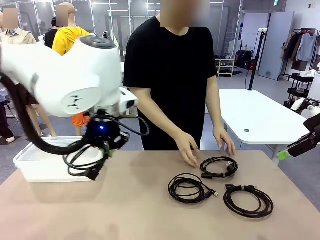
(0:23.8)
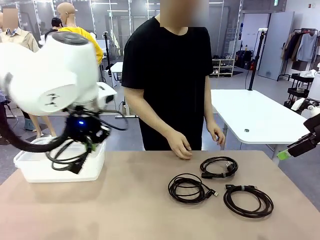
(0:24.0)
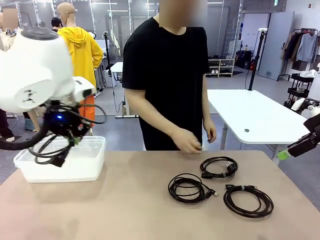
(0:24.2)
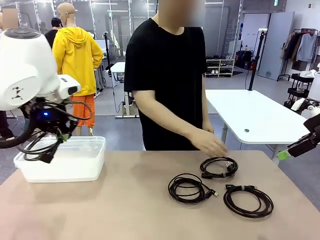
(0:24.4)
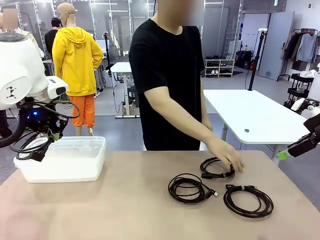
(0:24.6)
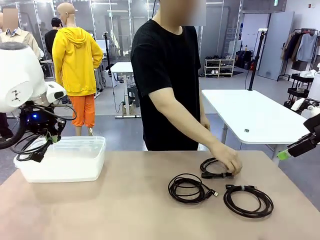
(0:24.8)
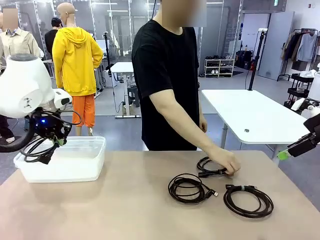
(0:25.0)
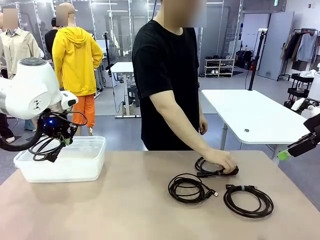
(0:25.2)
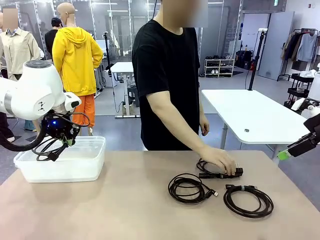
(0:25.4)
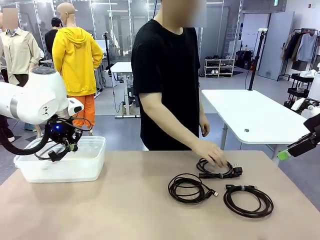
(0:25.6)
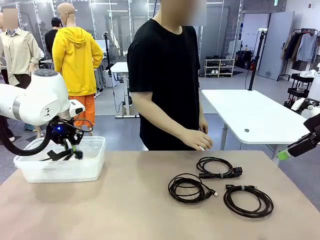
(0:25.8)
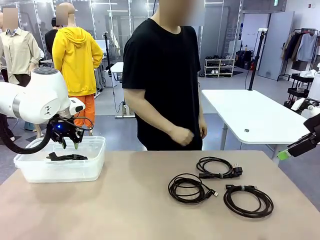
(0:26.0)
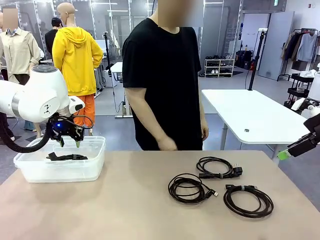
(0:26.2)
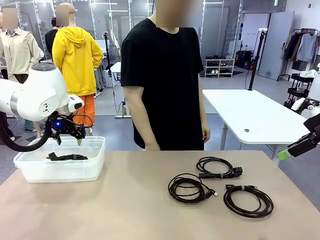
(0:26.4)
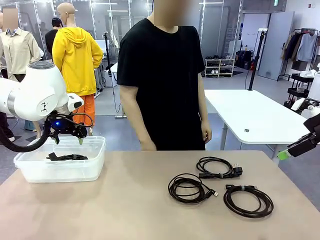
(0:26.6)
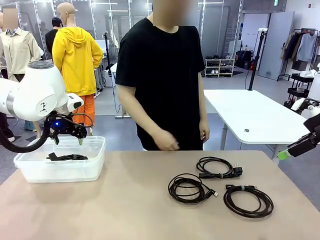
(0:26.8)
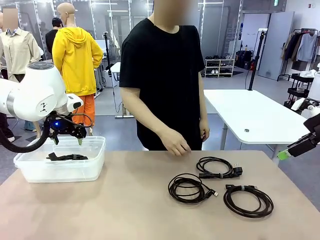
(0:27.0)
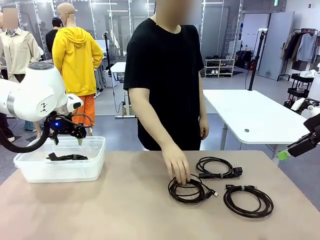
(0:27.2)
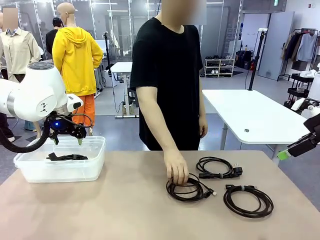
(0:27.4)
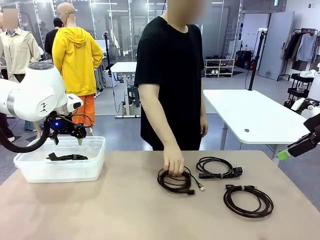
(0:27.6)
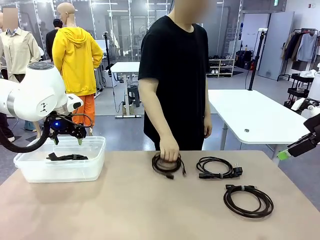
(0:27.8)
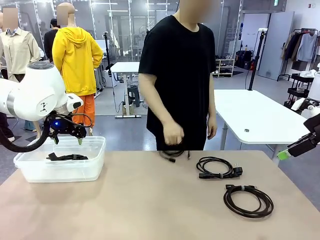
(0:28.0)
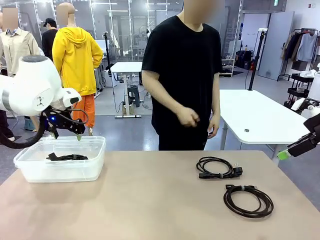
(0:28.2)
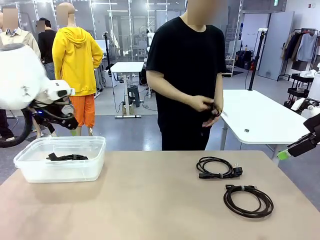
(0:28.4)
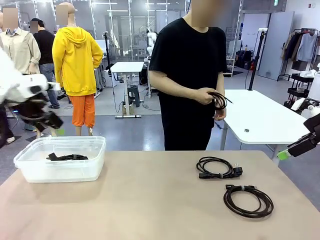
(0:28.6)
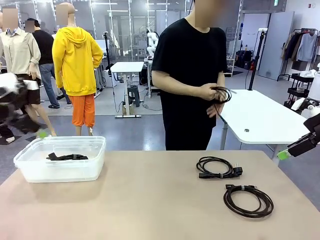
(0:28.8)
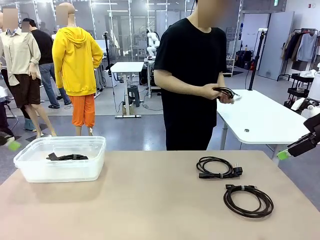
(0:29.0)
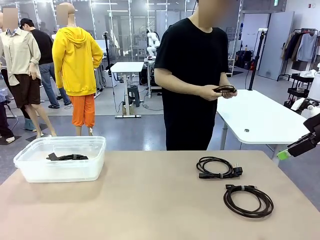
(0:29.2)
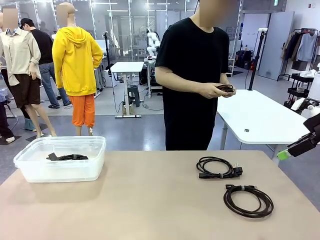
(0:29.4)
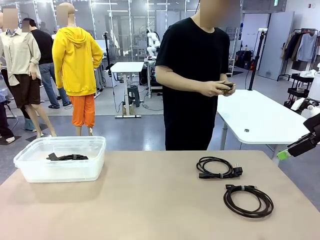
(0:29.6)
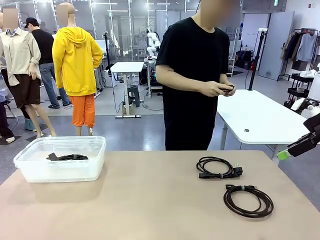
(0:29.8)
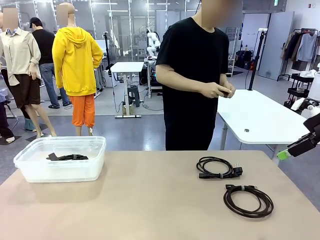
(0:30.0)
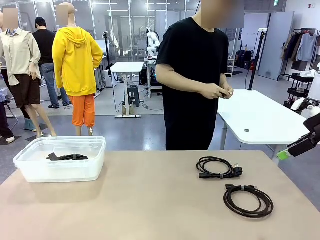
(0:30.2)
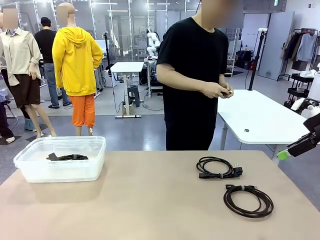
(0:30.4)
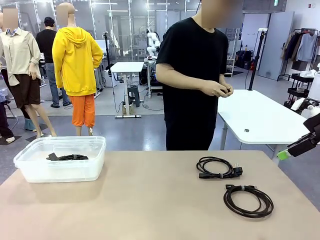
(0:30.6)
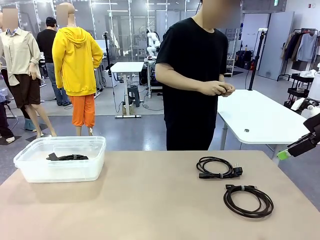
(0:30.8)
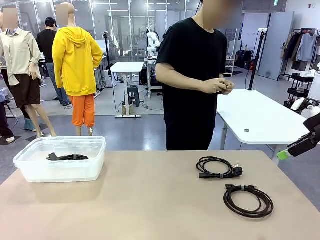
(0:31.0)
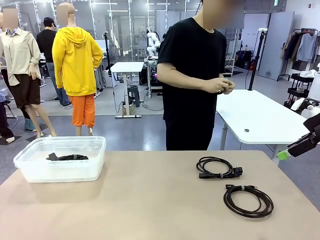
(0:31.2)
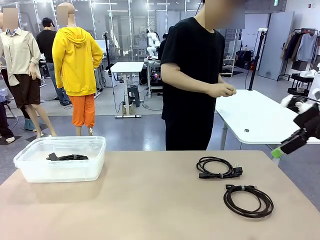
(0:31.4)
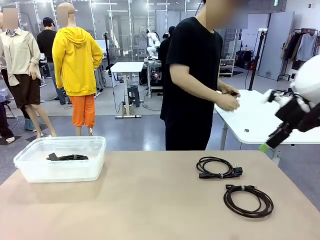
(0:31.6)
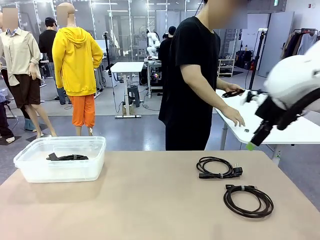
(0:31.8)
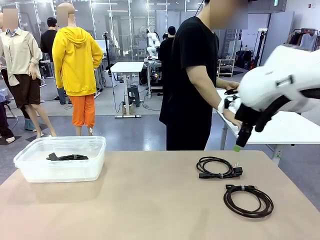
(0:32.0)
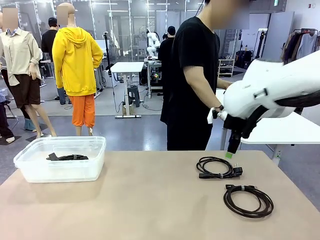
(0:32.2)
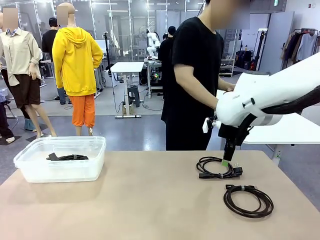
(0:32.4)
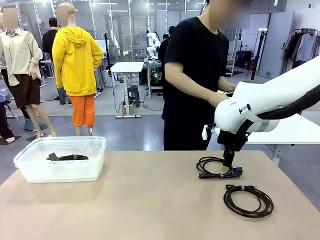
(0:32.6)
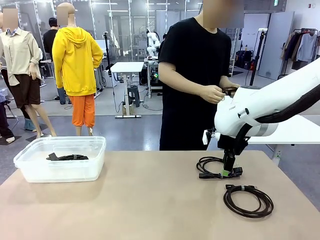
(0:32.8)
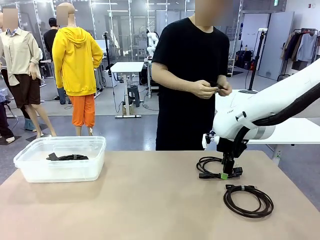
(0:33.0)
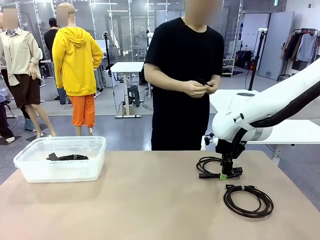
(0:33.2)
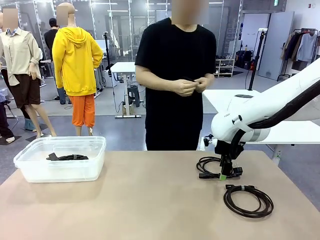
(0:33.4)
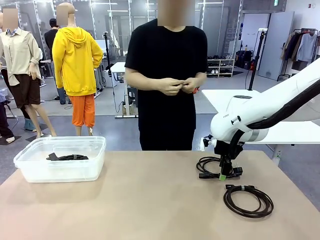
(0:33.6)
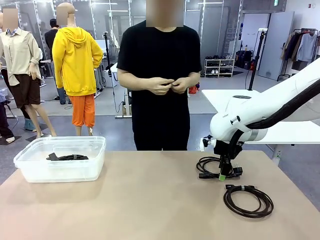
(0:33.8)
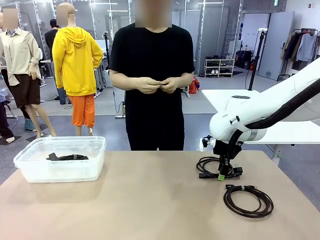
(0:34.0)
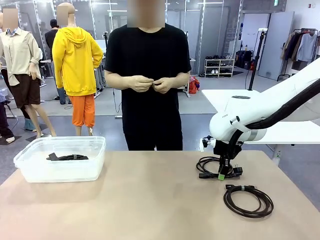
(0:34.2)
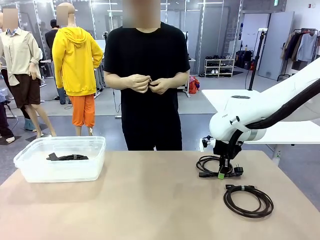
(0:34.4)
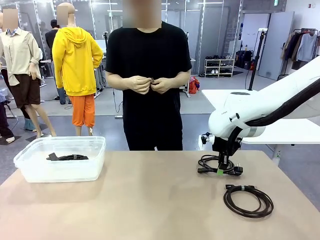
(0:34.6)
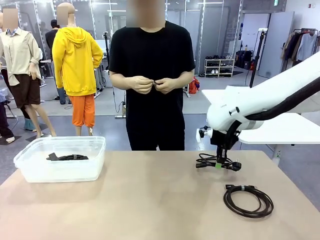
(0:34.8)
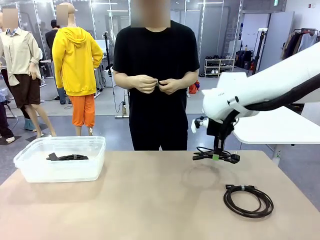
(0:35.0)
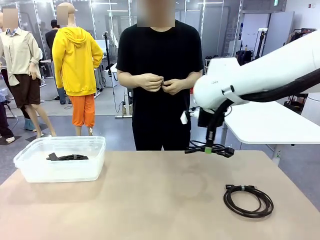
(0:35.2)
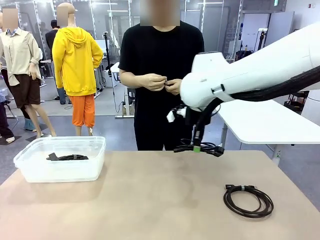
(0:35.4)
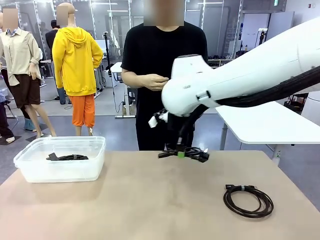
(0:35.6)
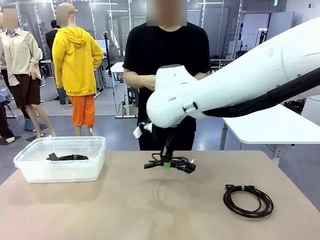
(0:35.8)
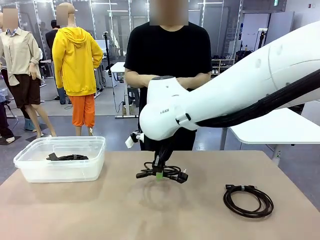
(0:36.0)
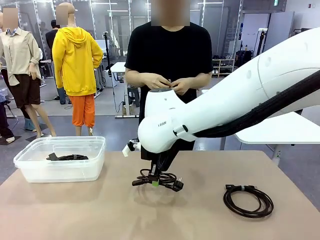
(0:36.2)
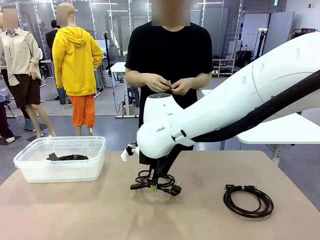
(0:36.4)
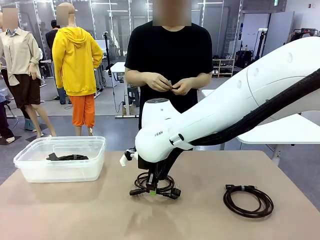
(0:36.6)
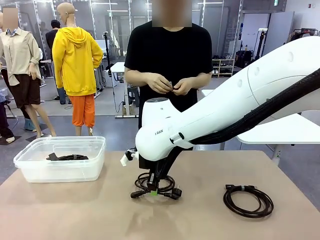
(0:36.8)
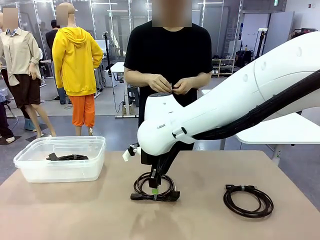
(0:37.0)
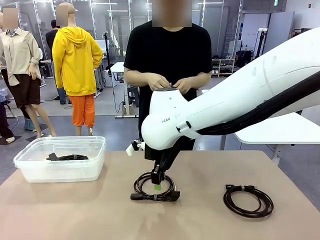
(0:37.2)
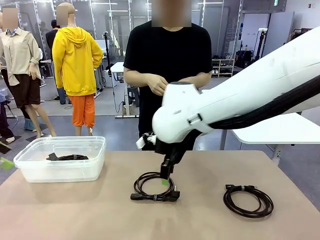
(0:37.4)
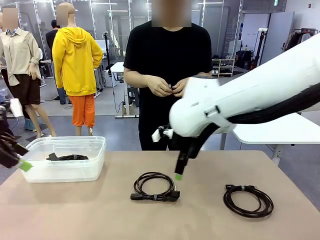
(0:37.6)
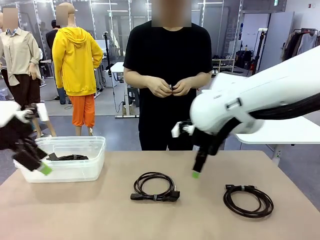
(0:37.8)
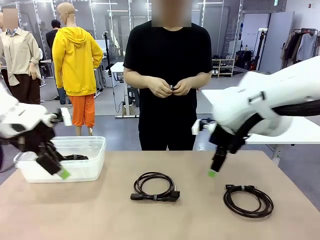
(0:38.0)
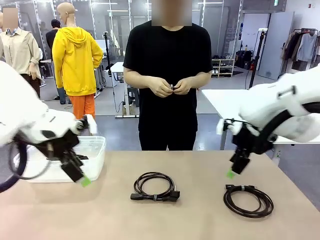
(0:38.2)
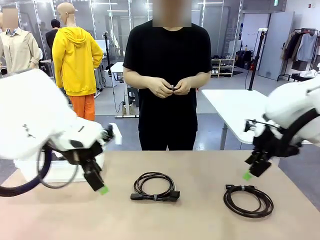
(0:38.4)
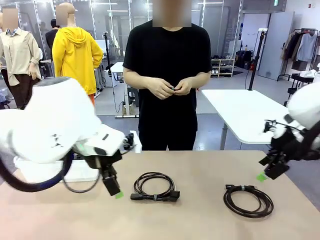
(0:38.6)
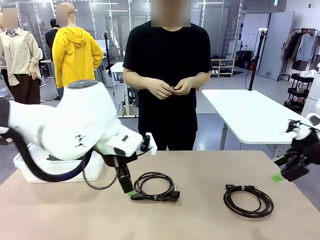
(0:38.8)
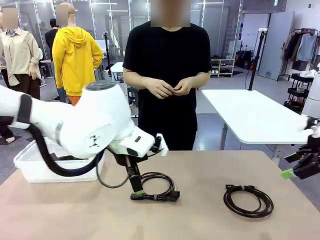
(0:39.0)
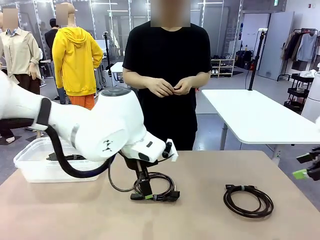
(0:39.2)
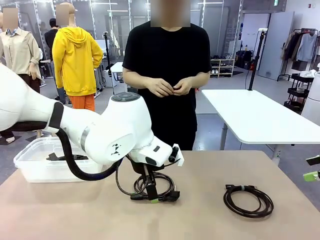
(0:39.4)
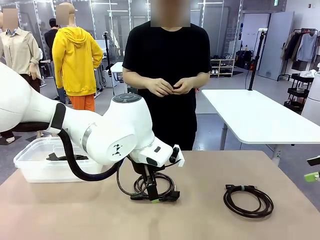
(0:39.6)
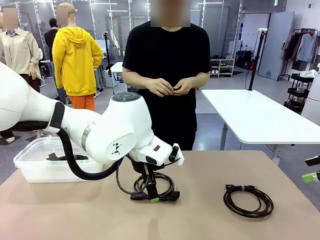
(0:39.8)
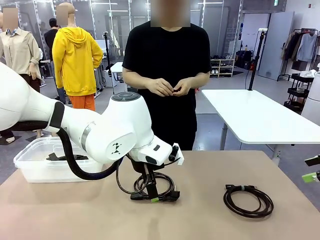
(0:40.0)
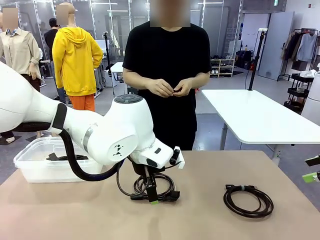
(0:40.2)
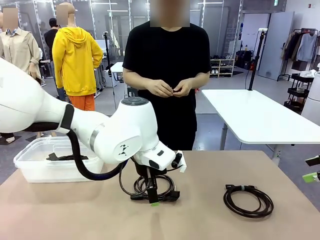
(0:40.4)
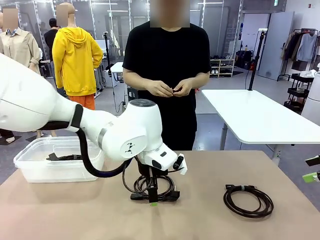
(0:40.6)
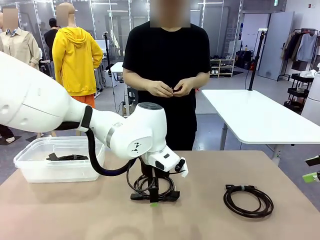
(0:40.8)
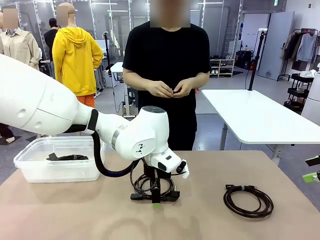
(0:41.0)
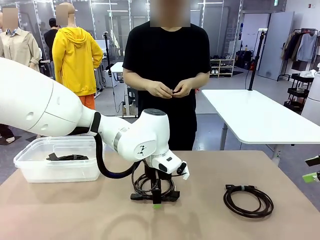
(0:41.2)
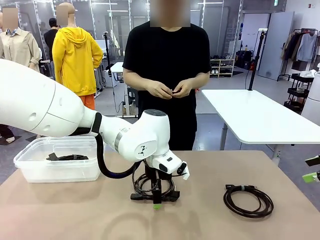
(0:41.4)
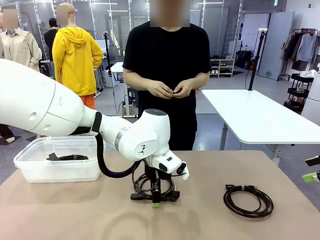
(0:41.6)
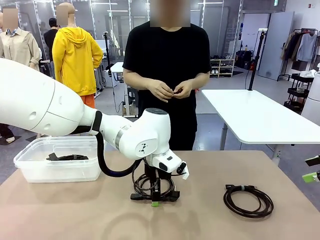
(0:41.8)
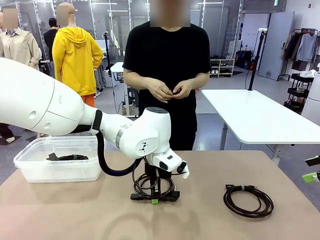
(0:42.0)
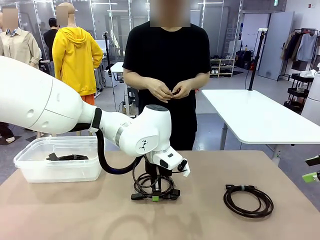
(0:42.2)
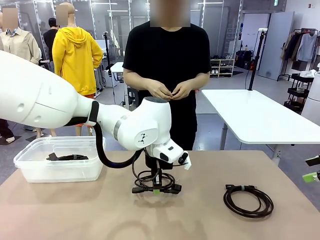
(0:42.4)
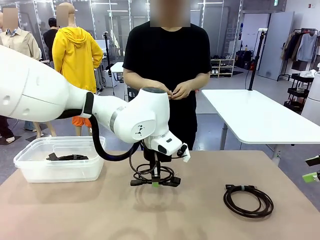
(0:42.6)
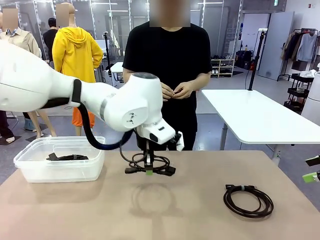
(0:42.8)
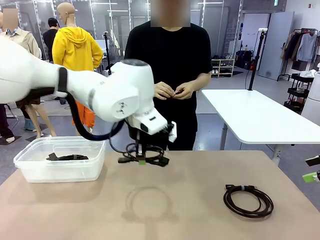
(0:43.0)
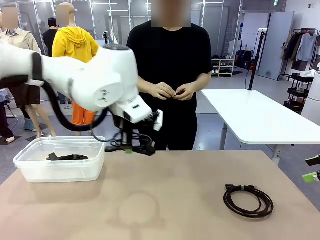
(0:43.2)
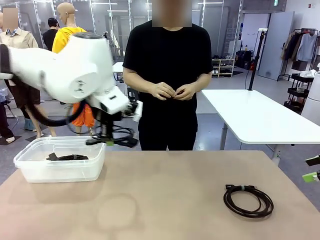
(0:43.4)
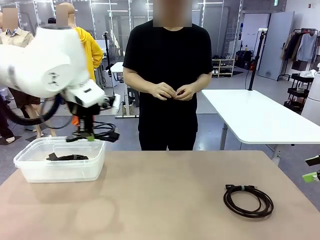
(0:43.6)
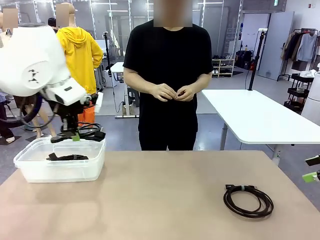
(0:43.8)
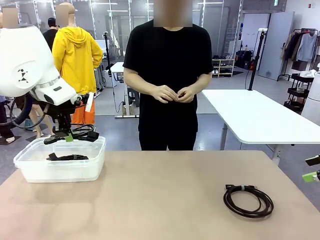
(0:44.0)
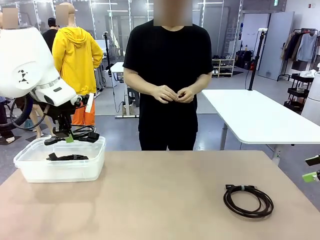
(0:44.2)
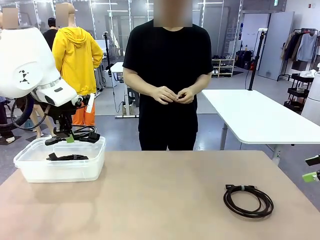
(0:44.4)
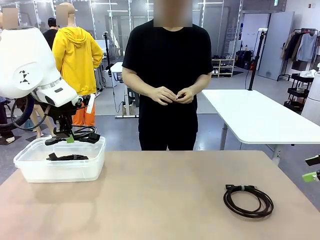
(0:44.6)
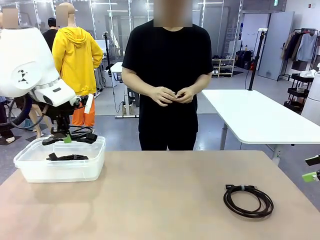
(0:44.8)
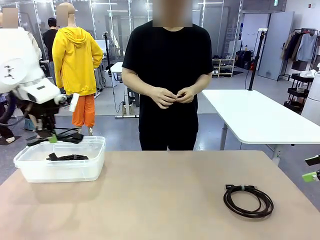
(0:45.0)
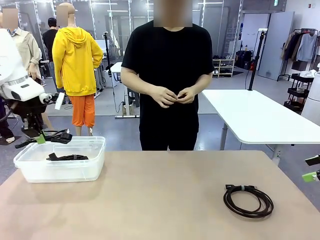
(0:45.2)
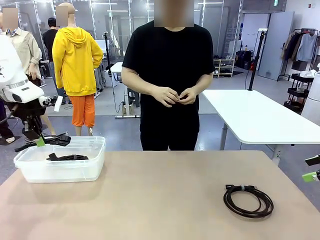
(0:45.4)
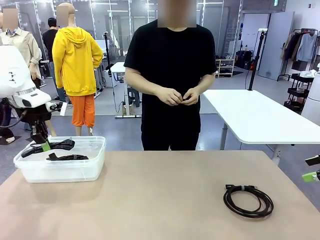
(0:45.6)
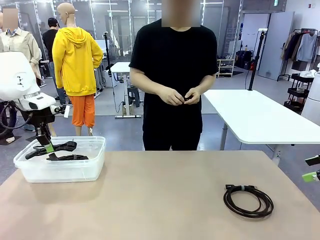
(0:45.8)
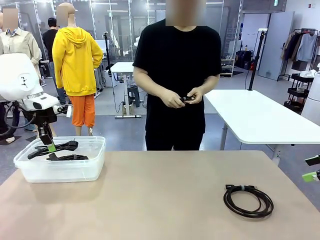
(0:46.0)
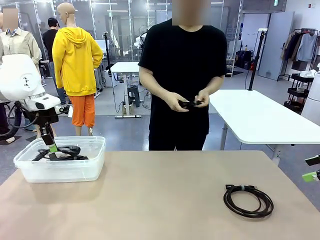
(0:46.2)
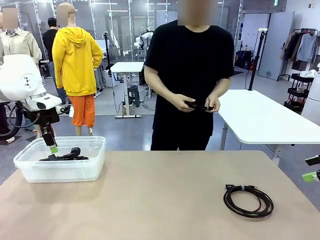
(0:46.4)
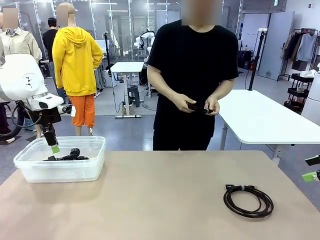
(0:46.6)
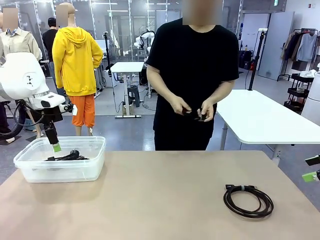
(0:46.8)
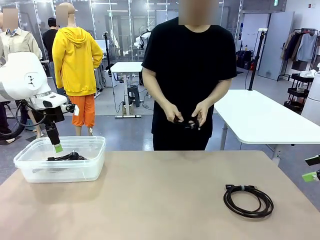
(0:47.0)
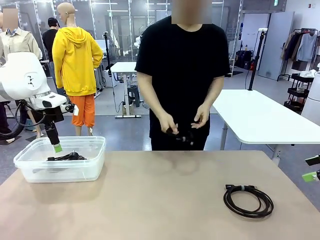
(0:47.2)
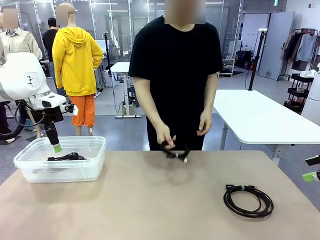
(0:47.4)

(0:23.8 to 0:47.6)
Task: Organize and store the cables.
Robot: Place the Power Cable into the Organizing box.
